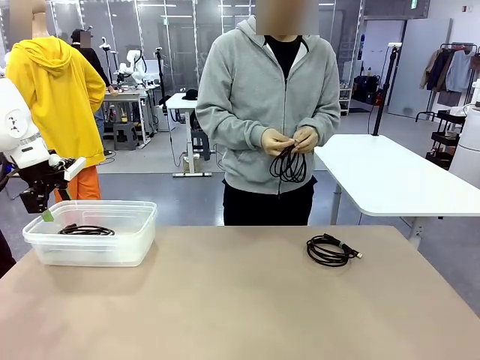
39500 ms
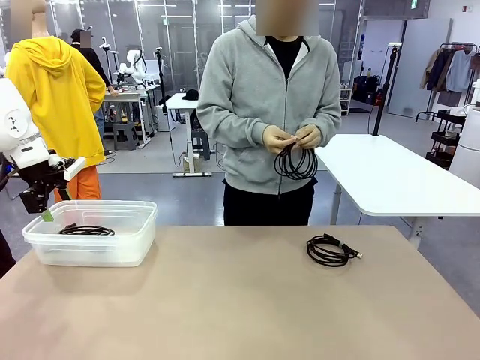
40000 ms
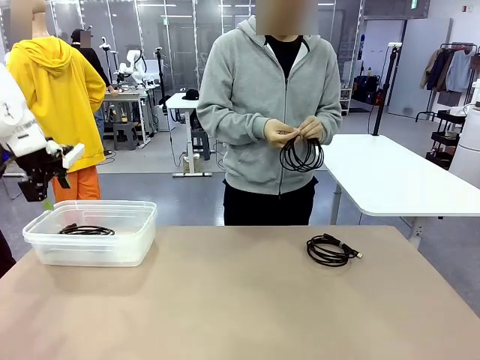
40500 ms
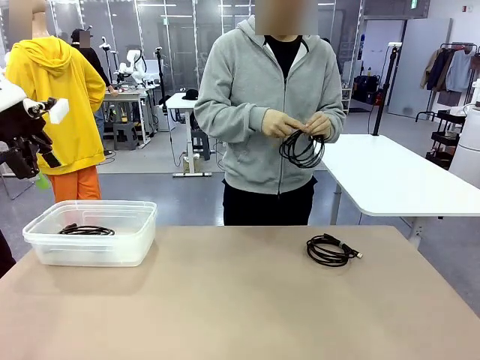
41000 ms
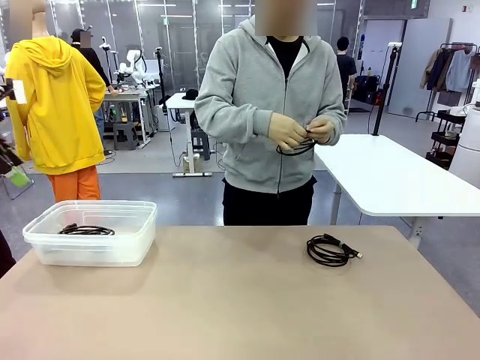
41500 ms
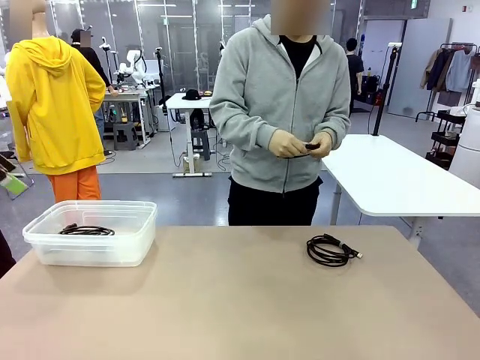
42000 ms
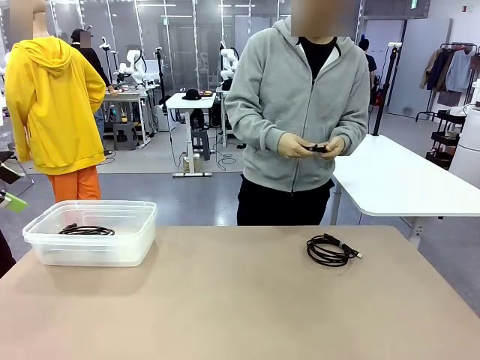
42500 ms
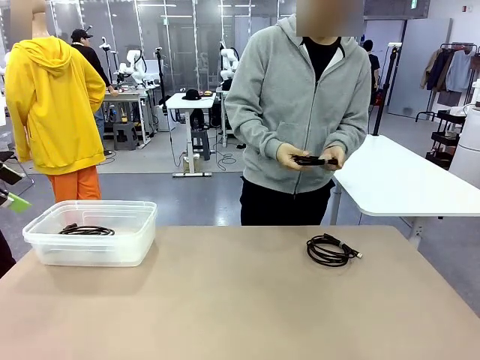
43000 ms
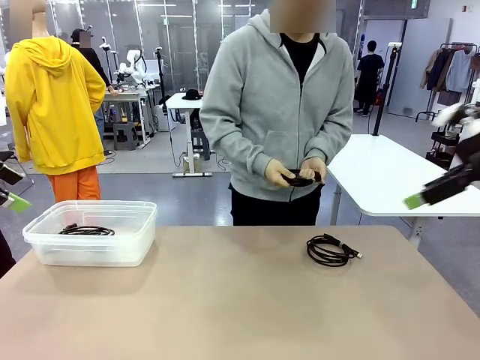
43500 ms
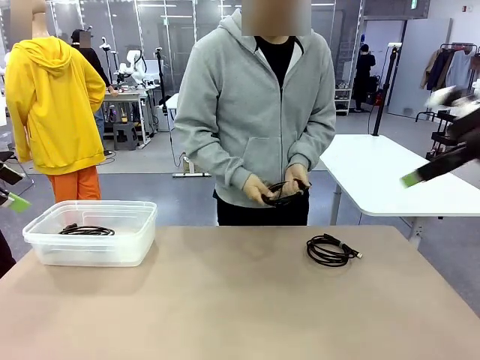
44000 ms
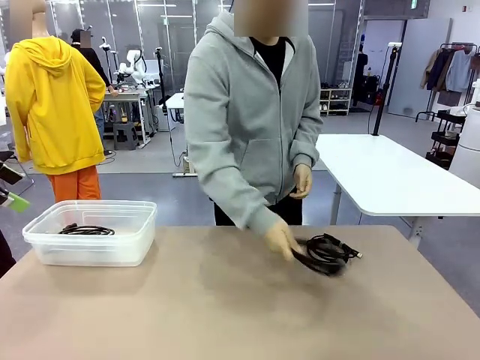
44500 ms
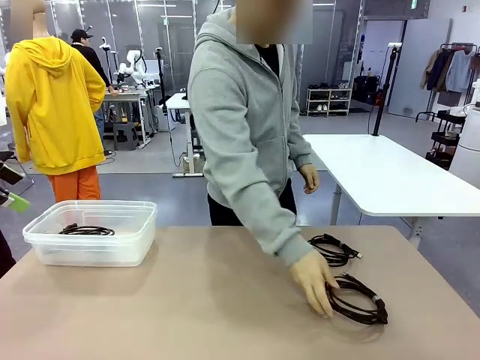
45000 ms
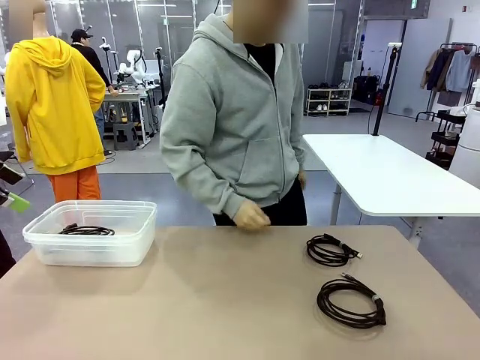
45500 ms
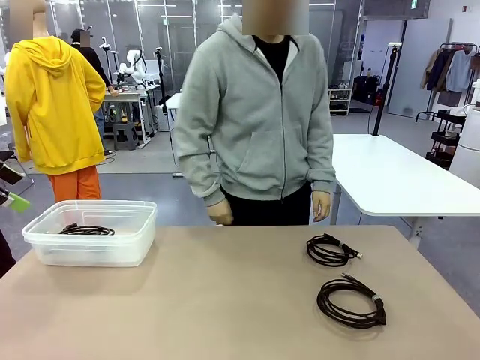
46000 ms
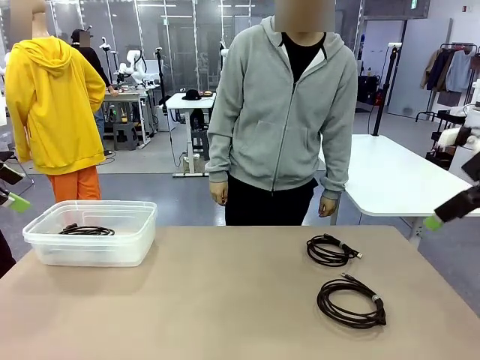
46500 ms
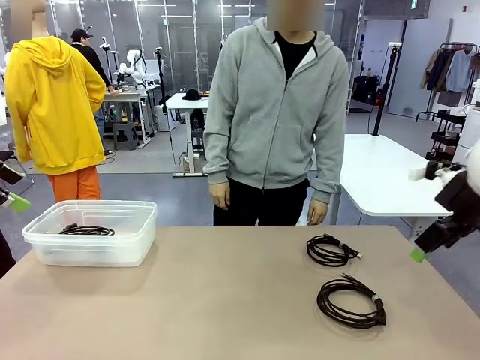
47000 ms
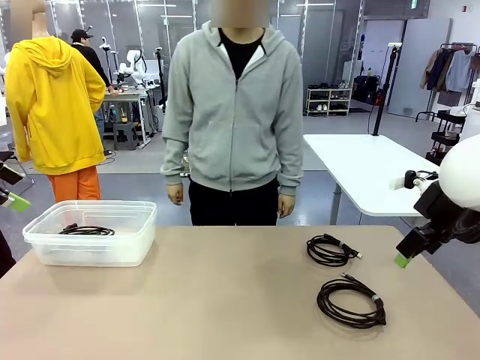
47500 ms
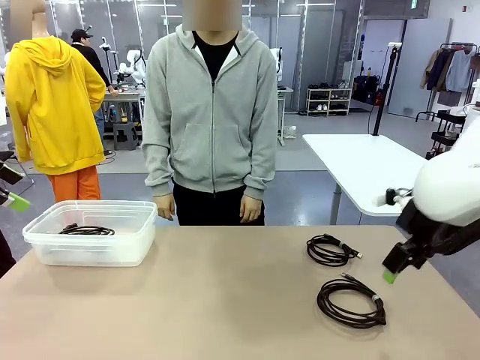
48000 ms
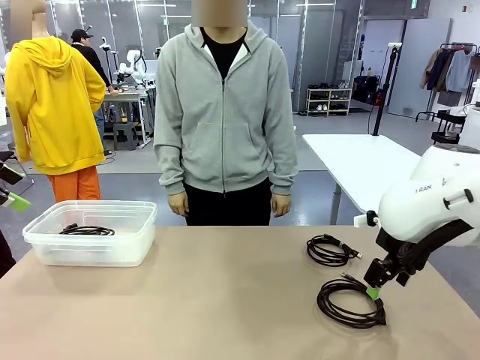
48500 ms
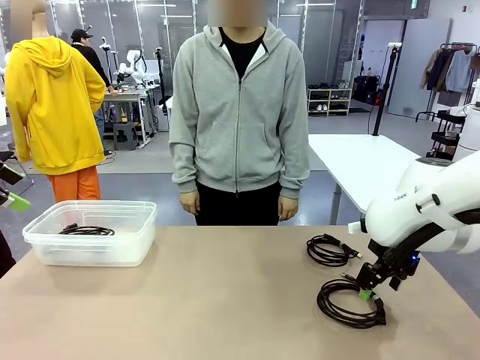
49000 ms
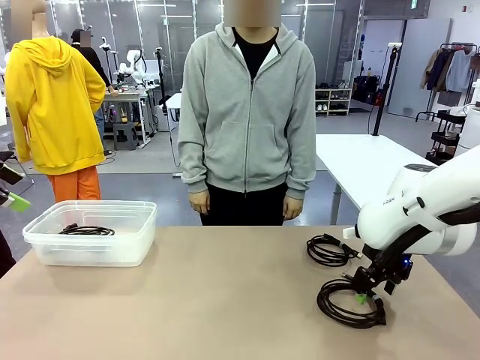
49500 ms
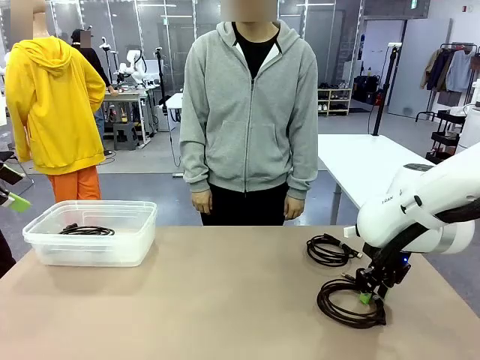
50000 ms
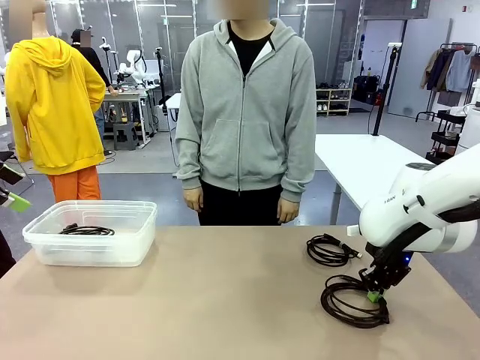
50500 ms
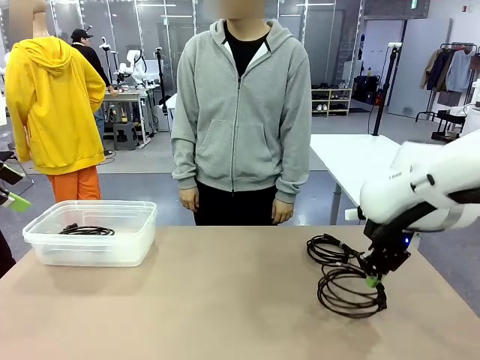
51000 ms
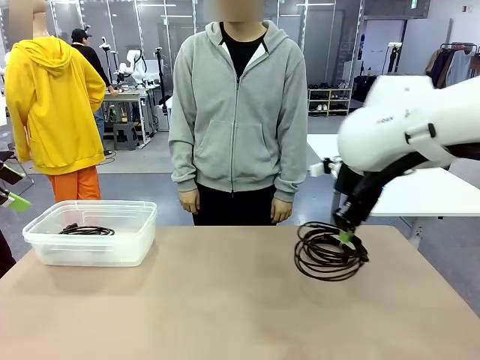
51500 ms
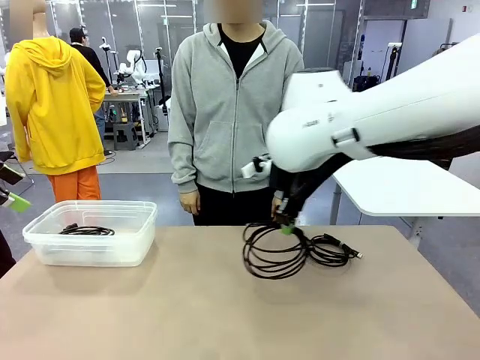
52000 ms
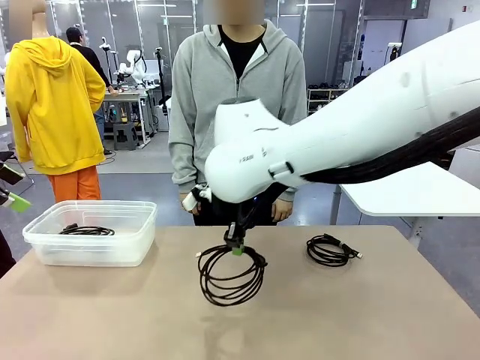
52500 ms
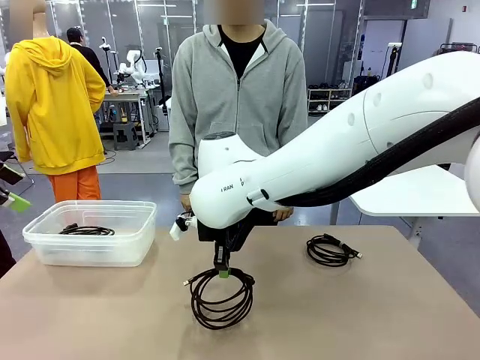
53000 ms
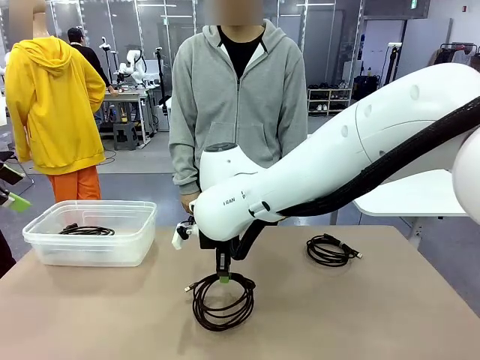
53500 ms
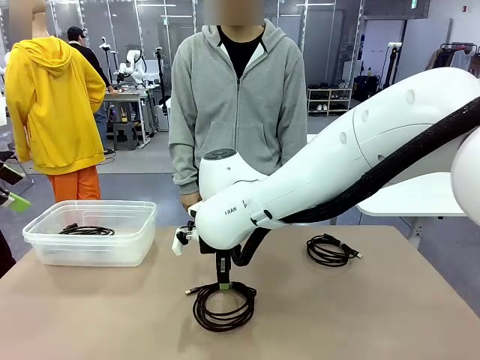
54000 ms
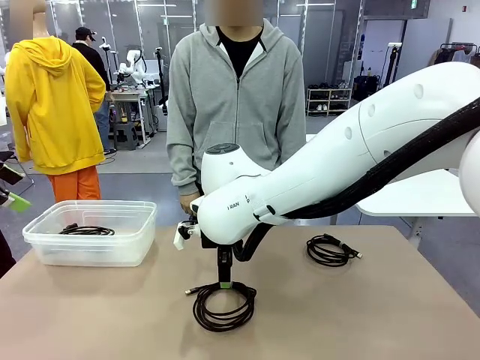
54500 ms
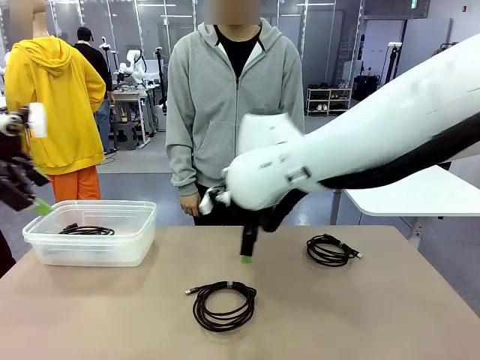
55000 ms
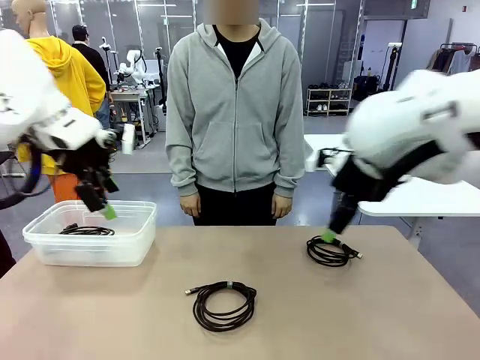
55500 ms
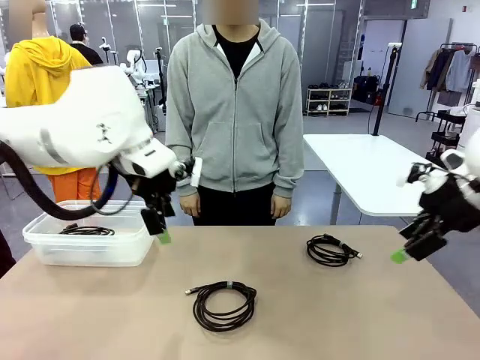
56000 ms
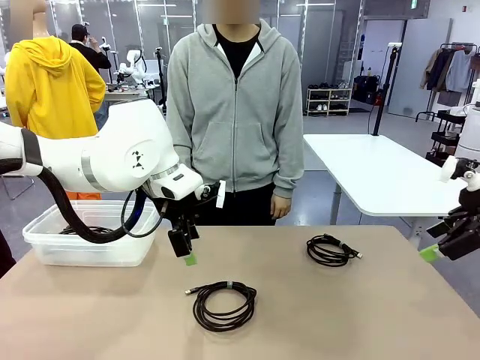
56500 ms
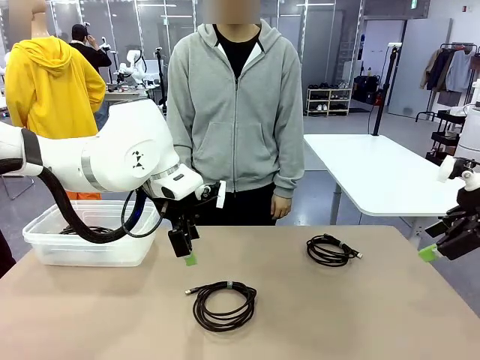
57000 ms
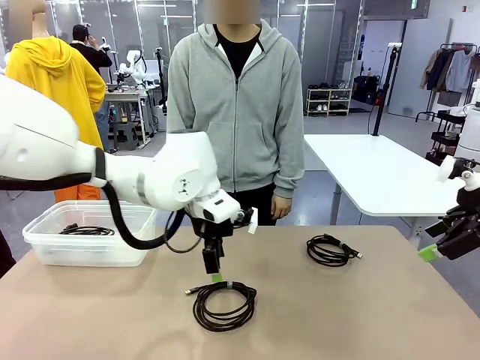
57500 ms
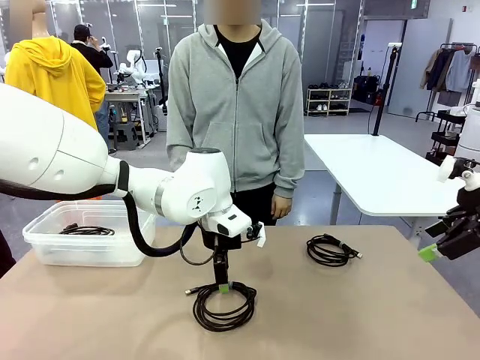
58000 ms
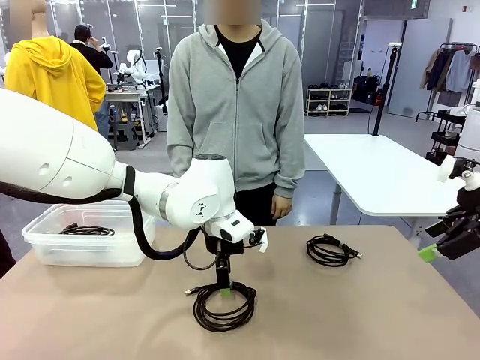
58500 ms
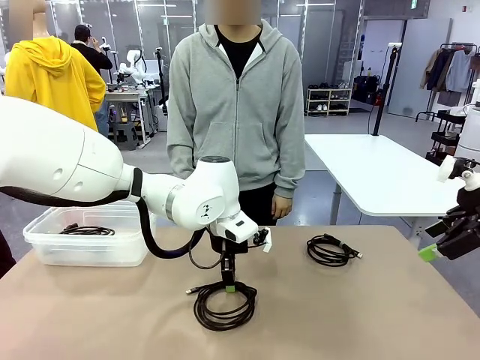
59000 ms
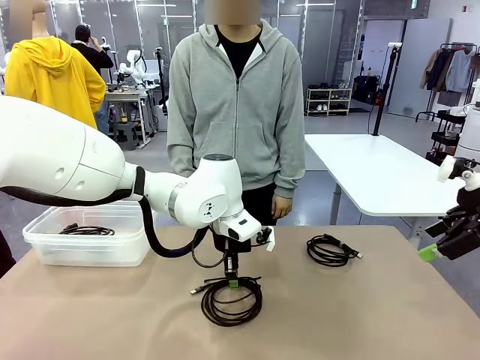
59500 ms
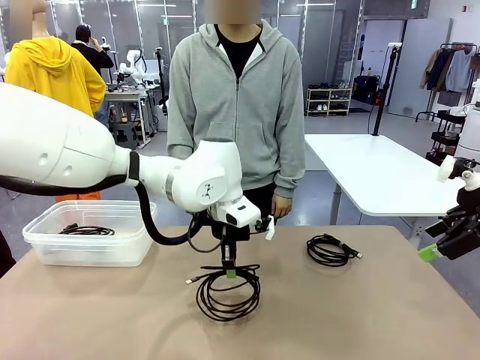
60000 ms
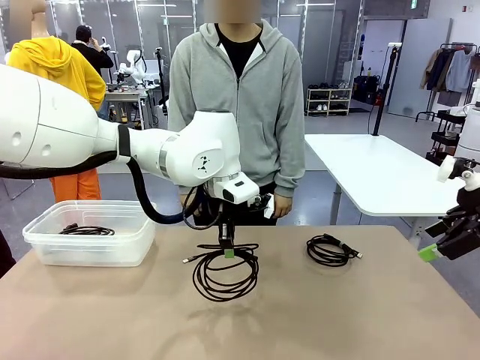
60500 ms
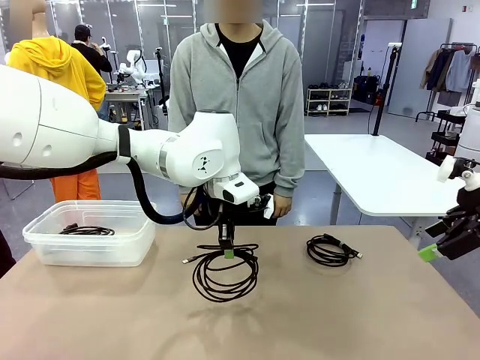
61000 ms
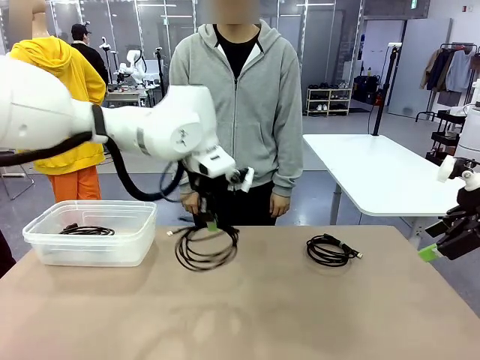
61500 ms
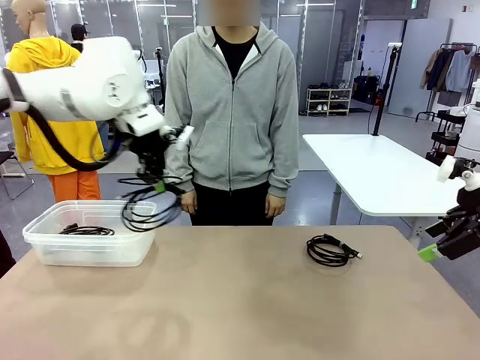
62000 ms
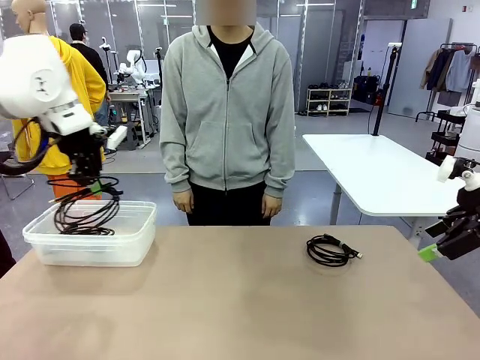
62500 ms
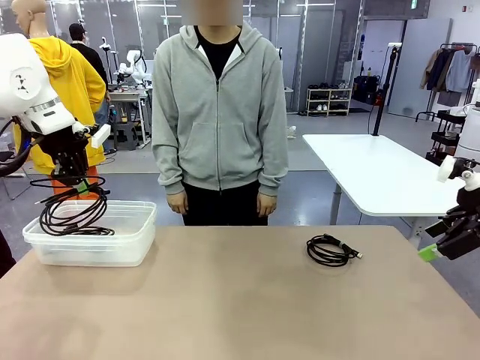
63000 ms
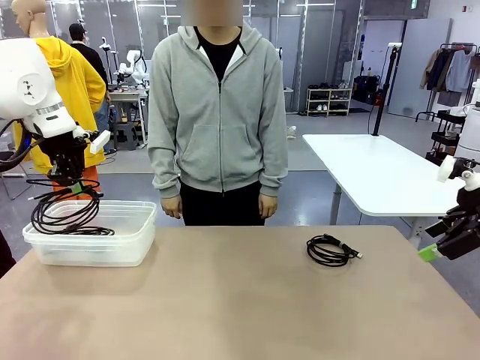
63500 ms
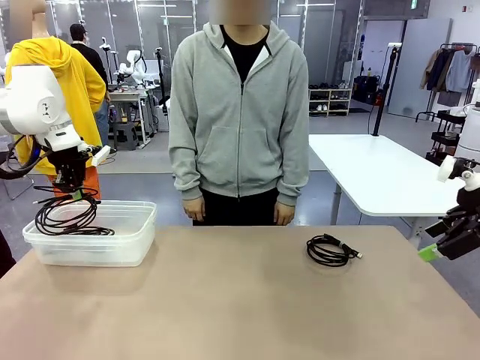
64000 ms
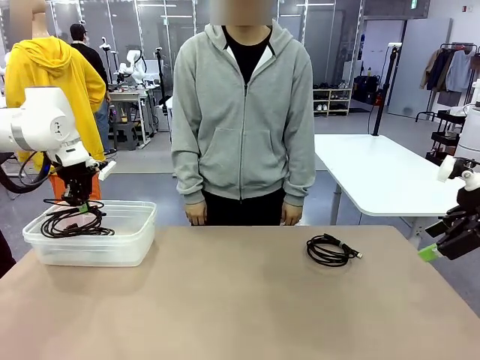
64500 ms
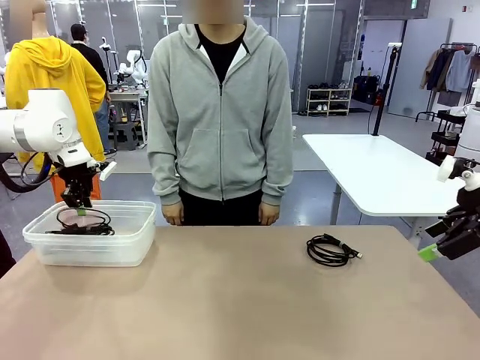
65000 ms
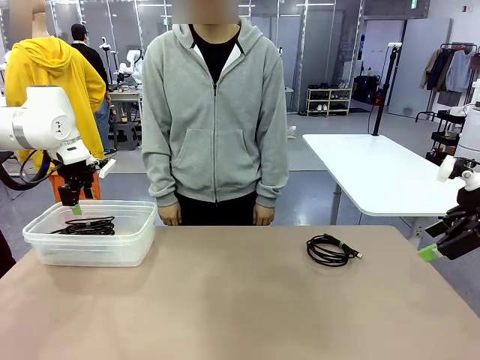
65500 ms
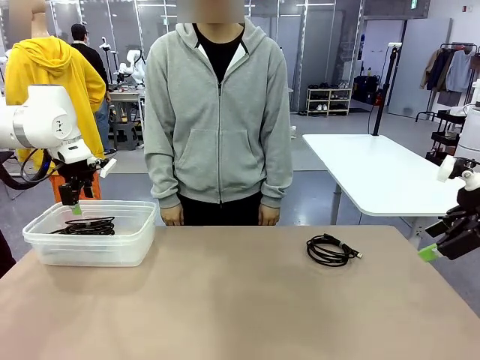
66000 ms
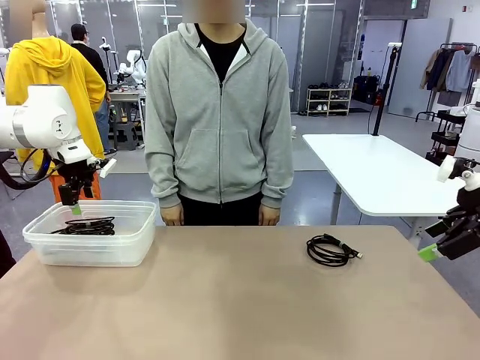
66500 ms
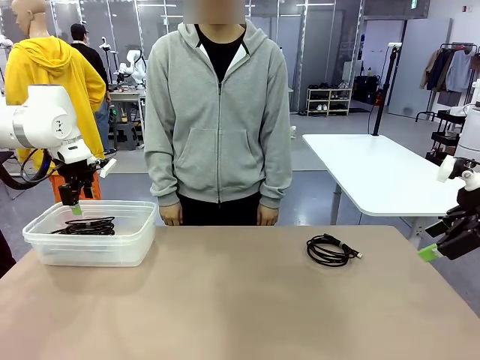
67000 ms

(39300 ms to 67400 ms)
Task: Organize and store the cables.
Robot: Place the USB Extension Cable into the Organizing box.
